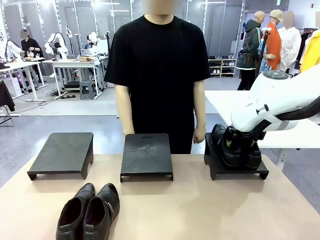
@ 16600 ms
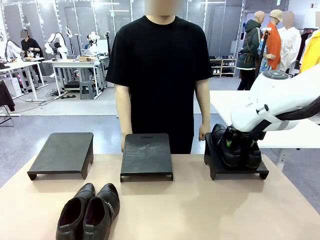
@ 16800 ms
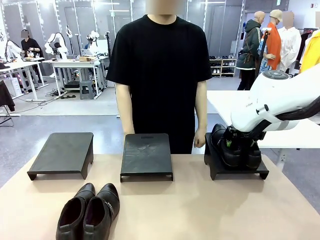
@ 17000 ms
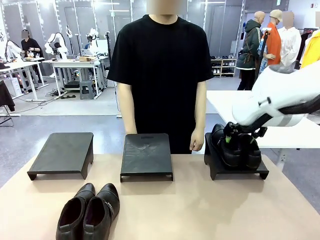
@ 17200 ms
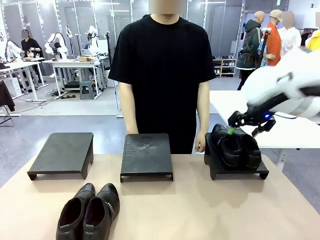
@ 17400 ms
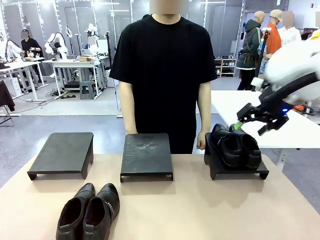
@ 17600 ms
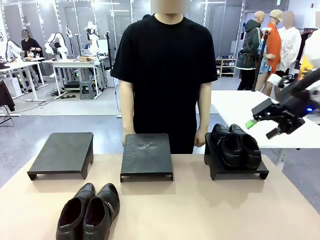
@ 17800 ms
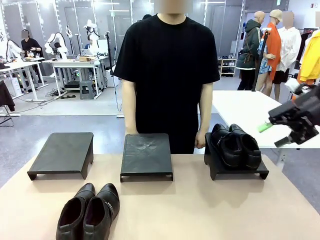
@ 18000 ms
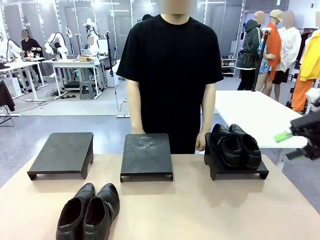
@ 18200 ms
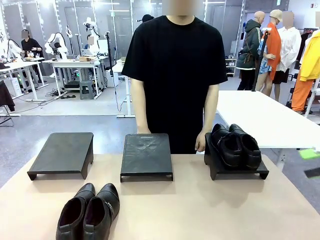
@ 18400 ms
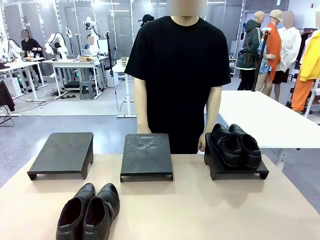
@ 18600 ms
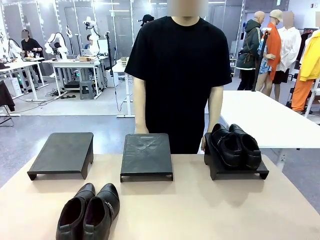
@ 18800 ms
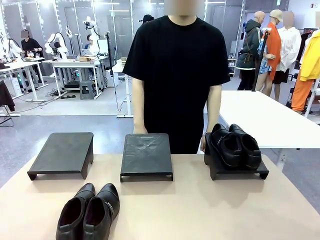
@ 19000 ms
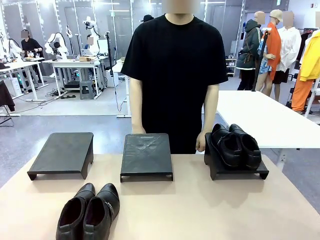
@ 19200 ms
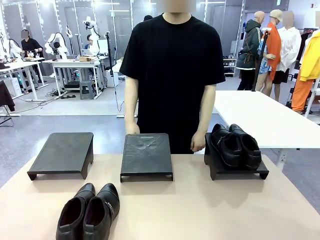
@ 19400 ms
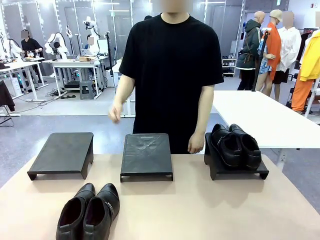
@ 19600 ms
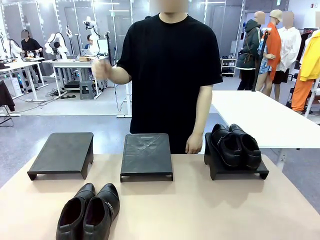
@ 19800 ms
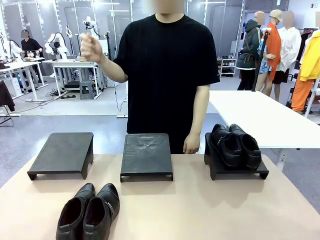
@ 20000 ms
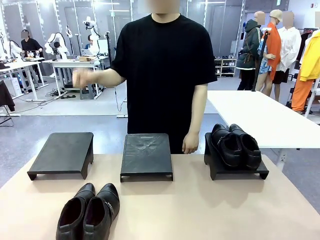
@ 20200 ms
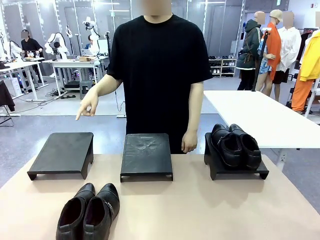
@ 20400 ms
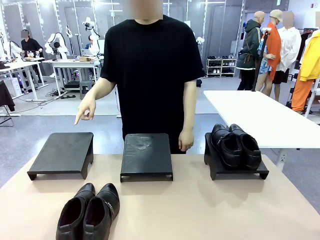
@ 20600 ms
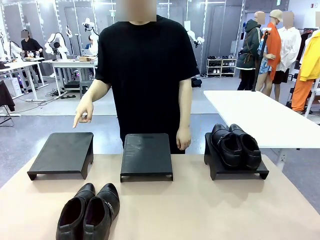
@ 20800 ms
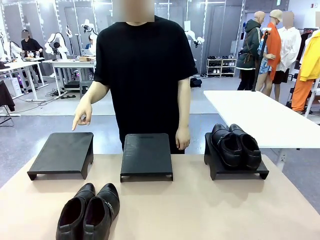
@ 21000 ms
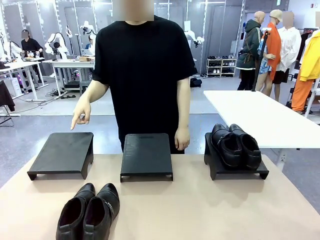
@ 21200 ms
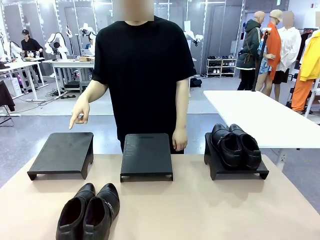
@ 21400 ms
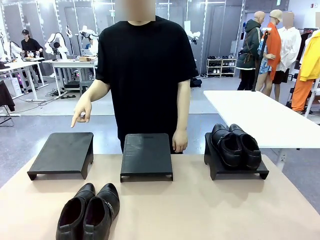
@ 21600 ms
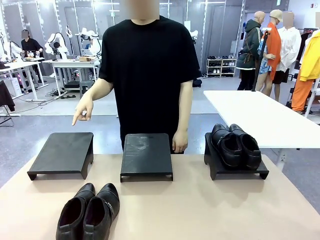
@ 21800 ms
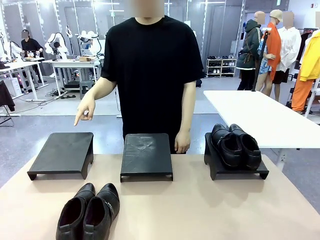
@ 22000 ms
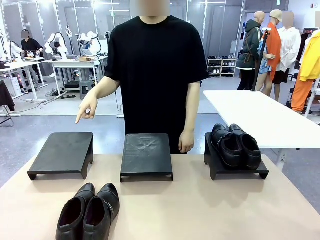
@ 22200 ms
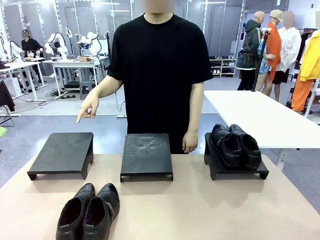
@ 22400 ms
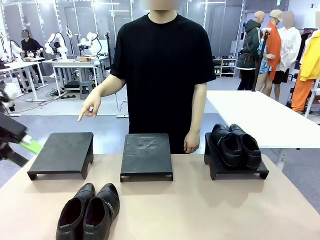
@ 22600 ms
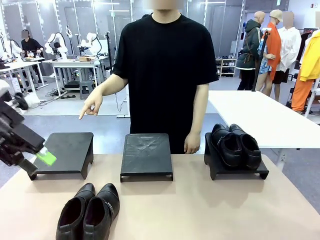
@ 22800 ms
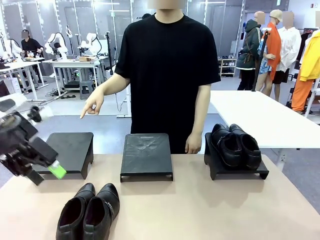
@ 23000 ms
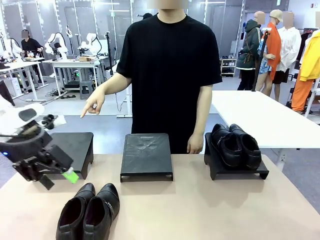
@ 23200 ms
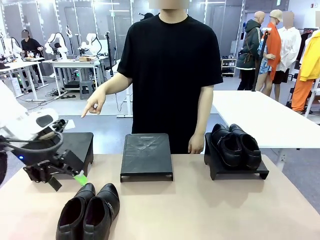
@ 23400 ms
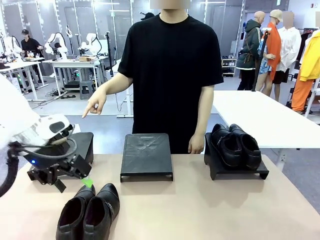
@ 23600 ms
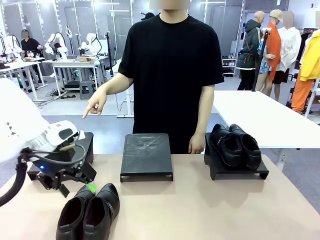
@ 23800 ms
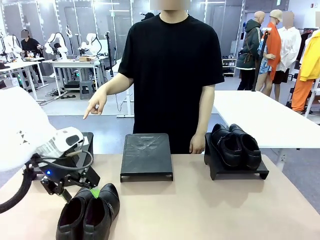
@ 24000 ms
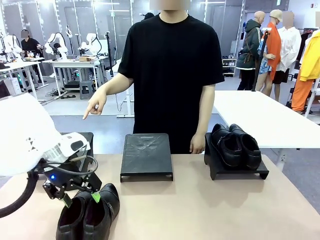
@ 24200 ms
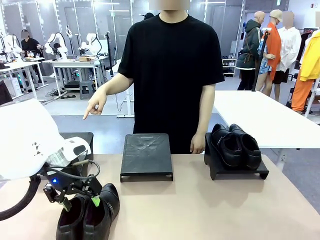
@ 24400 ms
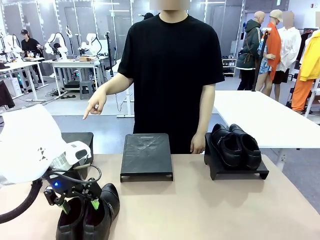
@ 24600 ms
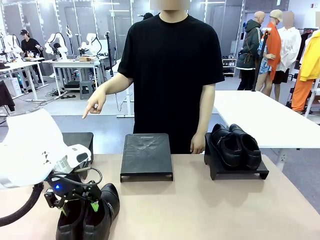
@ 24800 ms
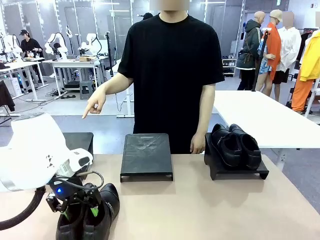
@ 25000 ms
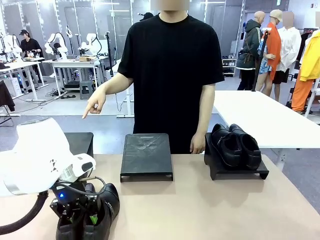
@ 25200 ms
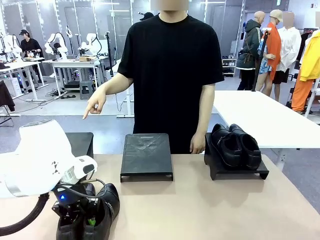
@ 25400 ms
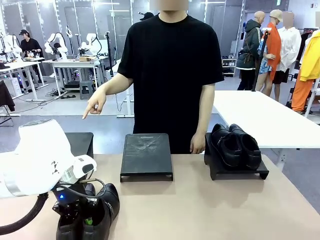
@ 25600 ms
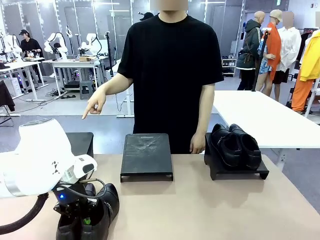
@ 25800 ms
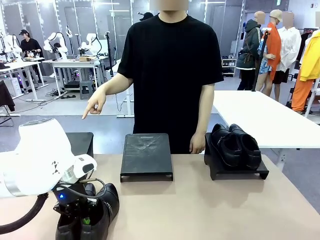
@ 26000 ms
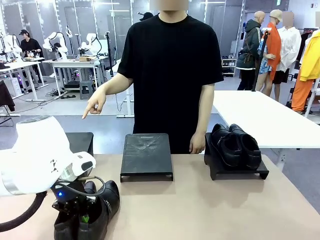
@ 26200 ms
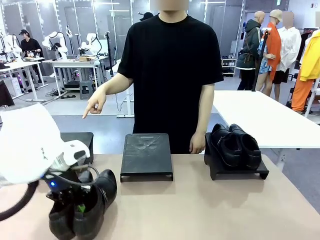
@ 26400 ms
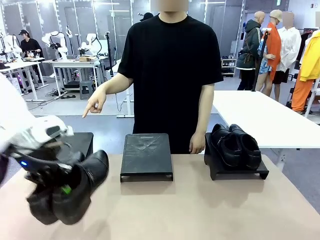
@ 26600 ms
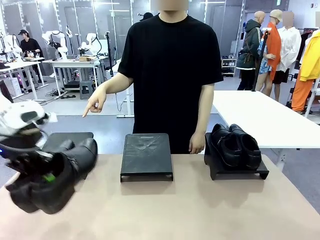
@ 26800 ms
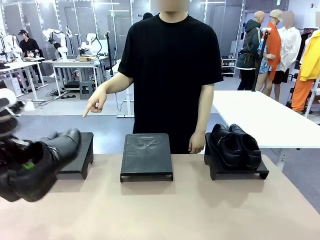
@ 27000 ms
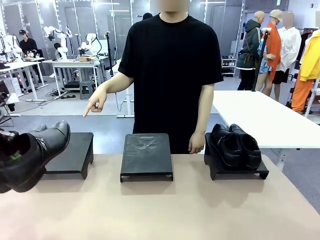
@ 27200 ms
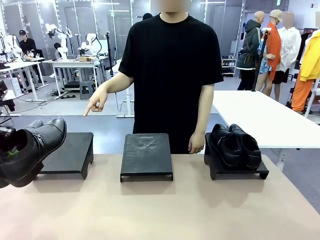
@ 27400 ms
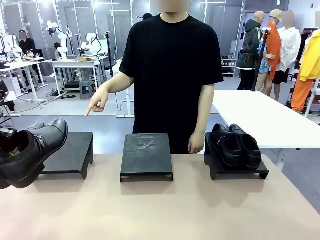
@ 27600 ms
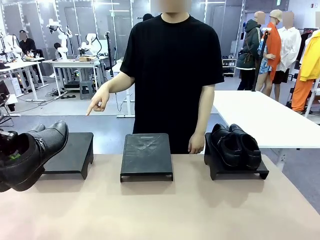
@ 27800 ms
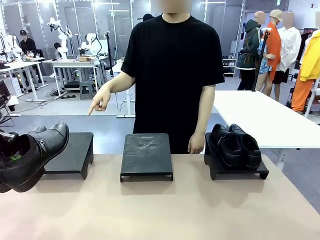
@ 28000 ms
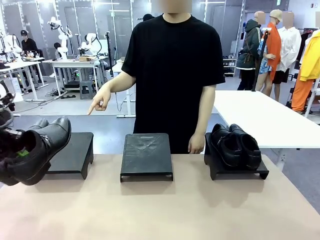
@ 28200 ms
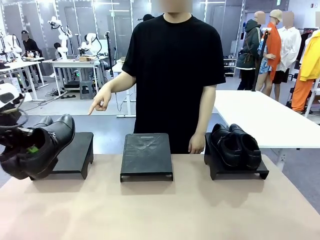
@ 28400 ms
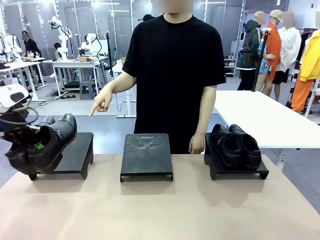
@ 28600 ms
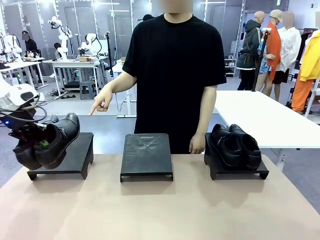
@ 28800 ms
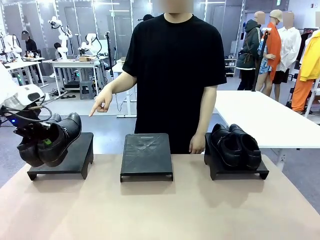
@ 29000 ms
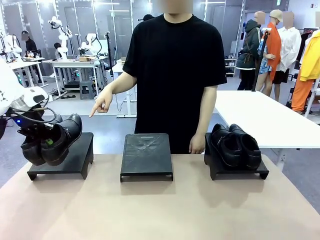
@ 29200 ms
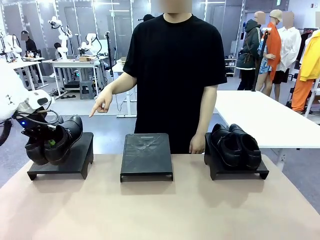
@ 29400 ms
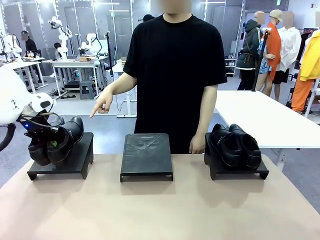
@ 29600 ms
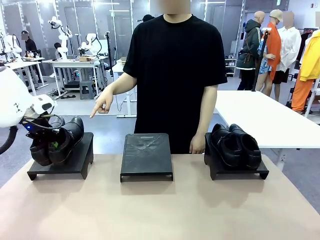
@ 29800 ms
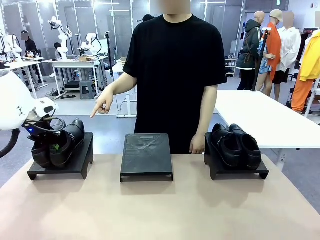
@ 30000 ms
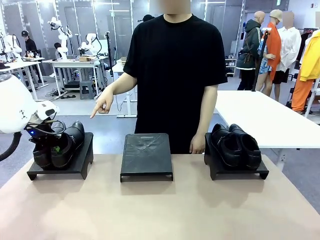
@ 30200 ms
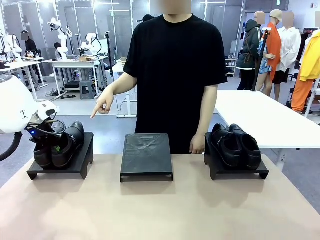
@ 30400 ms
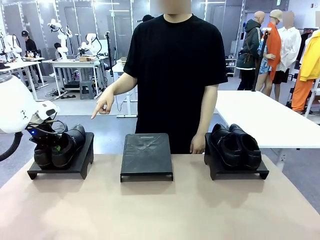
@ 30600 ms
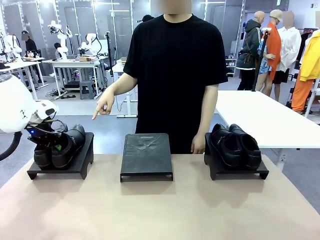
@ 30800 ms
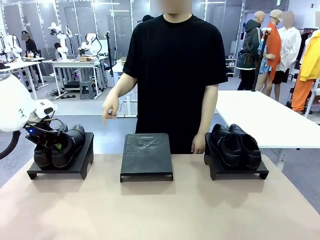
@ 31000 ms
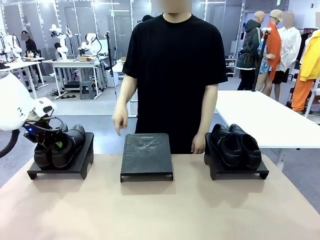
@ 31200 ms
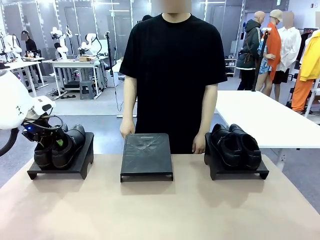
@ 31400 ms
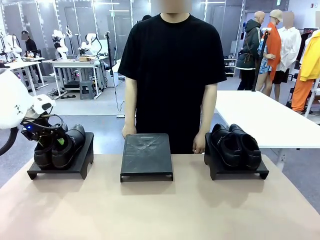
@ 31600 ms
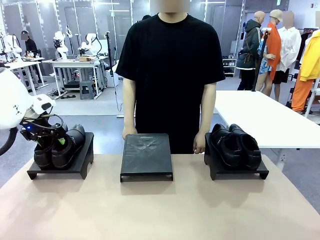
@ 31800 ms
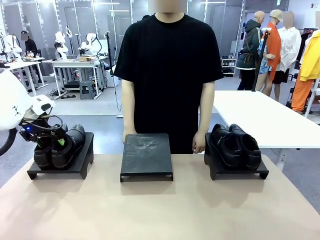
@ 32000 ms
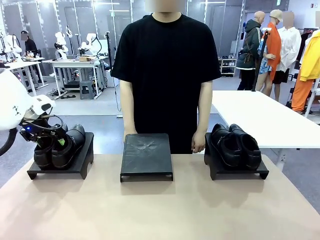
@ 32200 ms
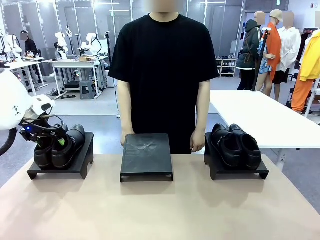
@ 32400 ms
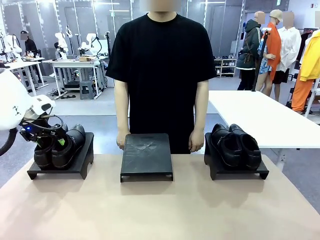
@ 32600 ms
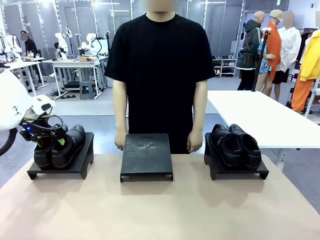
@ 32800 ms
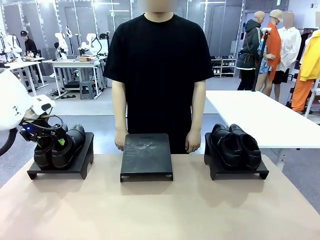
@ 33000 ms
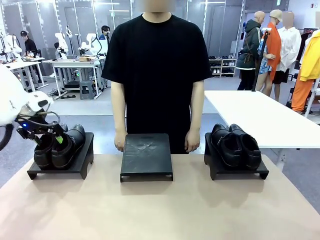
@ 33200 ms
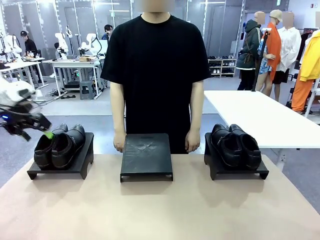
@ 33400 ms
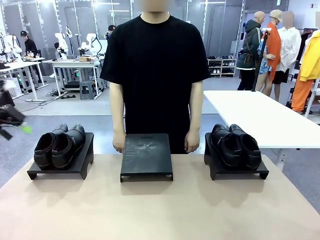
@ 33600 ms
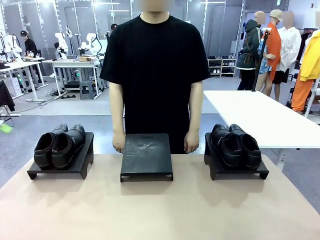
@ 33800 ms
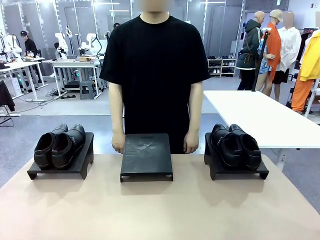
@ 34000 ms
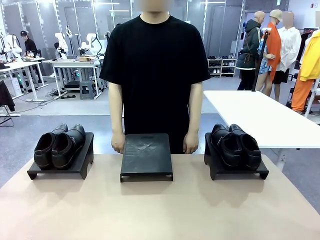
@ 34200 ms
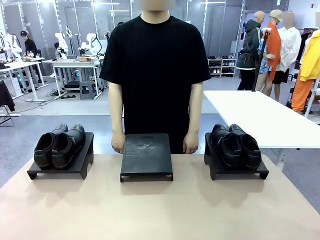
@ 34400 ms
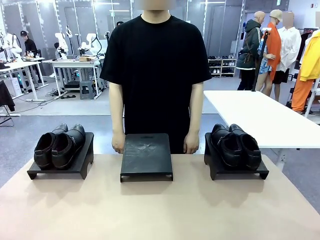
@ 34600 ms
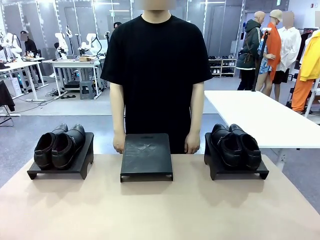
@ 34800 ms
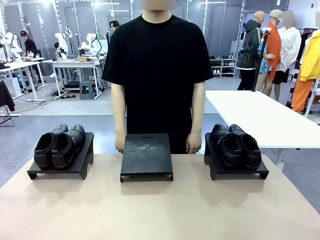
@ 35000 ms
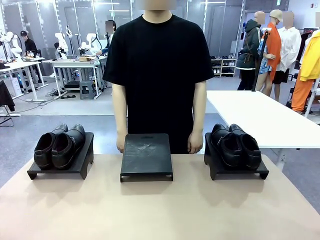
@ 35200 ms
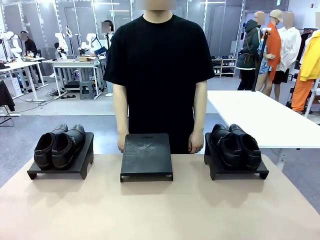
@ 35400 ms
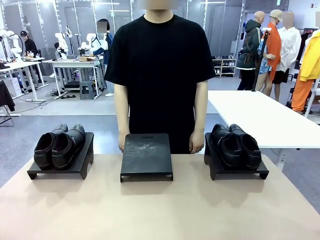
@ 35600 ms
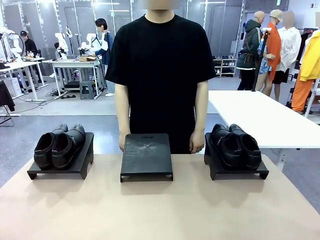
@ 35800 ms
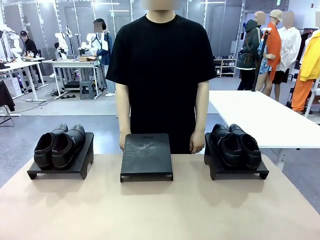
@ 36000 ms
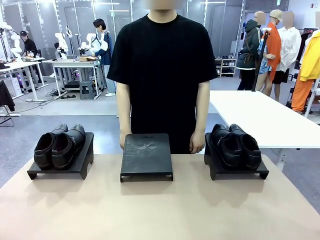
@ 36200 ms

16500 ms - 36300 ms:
Task: Place the shoes on the stand as instructed by the person.
Robot: Pick up another pair of Shoes and place it on the Shoes Stand indicated by the person.
Person: Point to one Shoes Stand.
